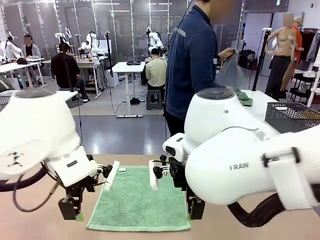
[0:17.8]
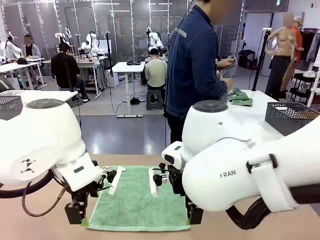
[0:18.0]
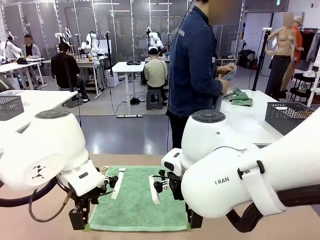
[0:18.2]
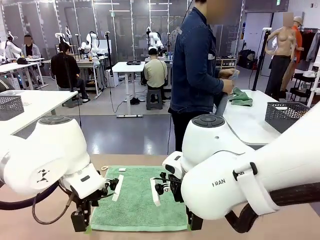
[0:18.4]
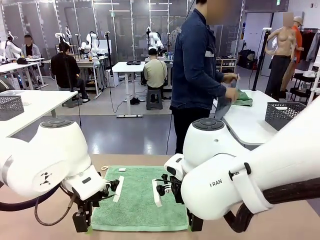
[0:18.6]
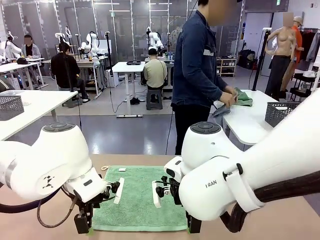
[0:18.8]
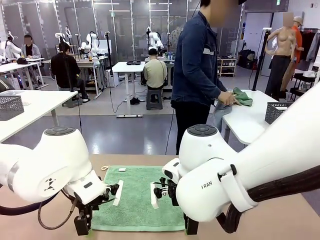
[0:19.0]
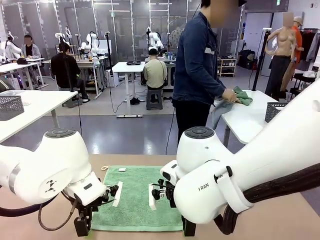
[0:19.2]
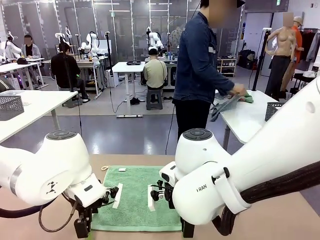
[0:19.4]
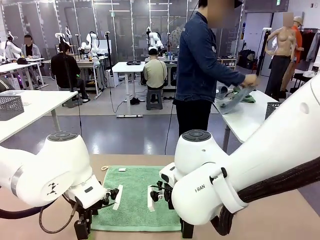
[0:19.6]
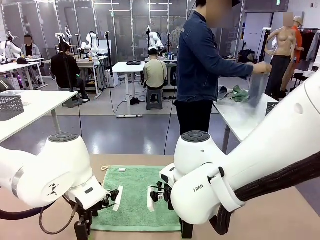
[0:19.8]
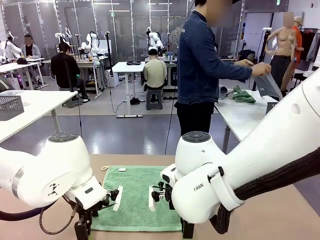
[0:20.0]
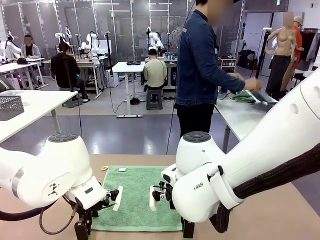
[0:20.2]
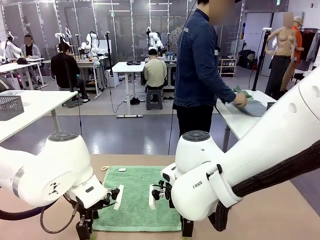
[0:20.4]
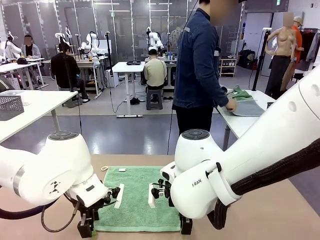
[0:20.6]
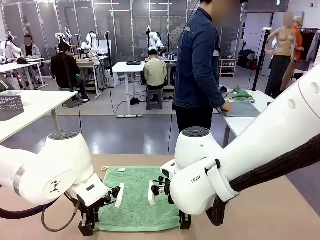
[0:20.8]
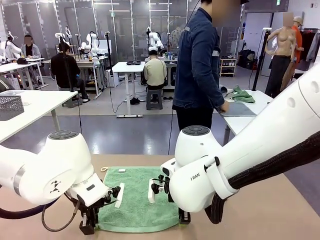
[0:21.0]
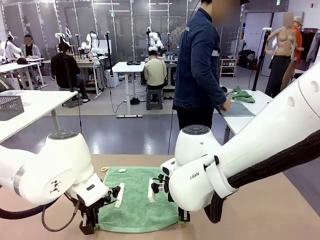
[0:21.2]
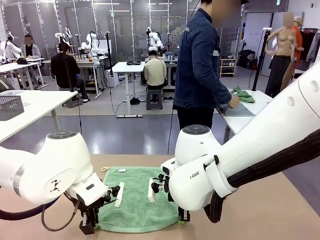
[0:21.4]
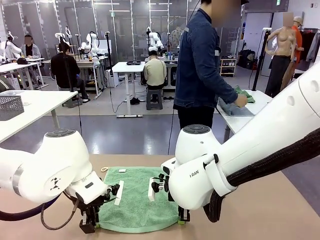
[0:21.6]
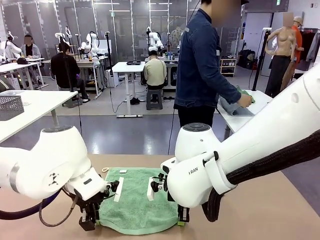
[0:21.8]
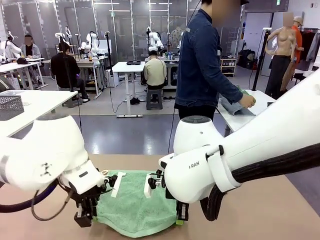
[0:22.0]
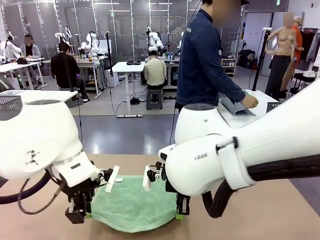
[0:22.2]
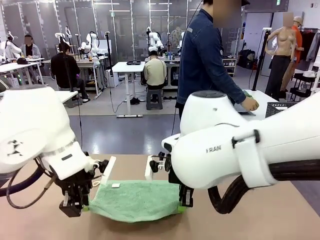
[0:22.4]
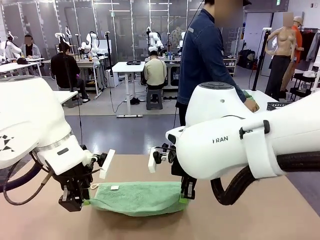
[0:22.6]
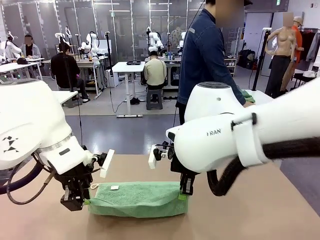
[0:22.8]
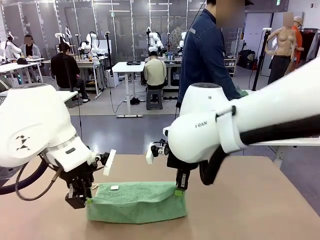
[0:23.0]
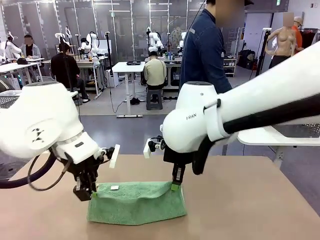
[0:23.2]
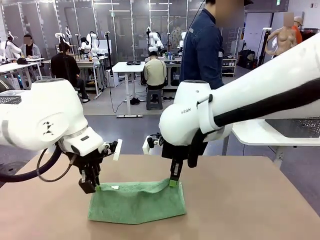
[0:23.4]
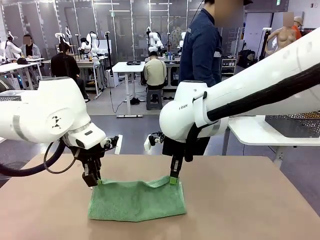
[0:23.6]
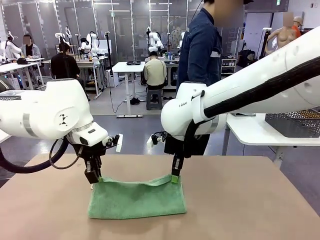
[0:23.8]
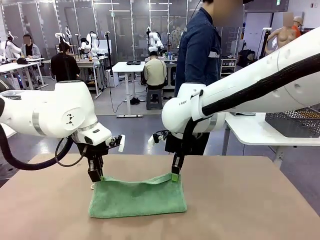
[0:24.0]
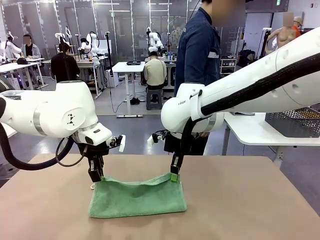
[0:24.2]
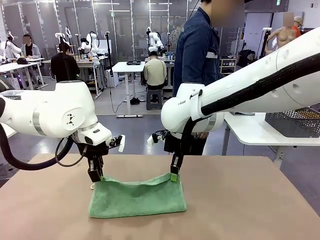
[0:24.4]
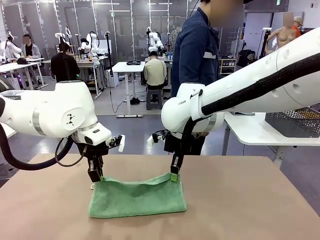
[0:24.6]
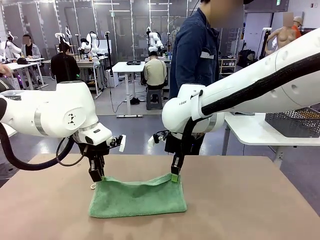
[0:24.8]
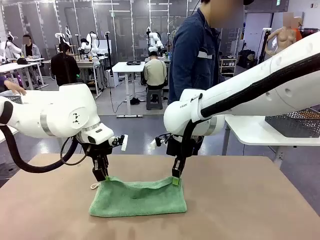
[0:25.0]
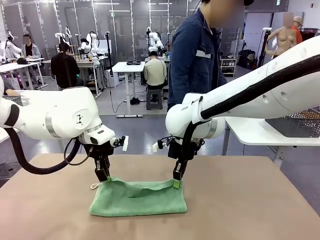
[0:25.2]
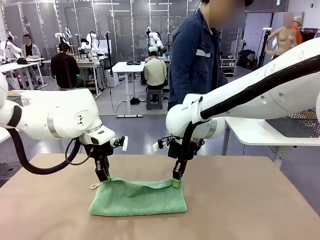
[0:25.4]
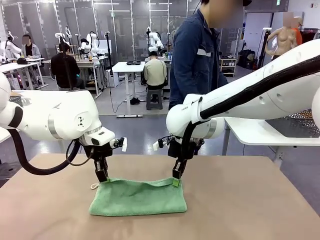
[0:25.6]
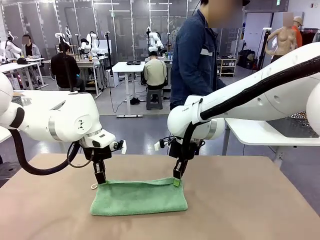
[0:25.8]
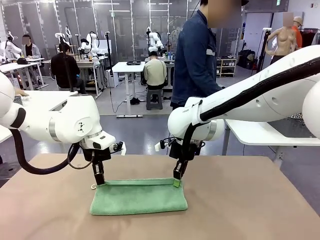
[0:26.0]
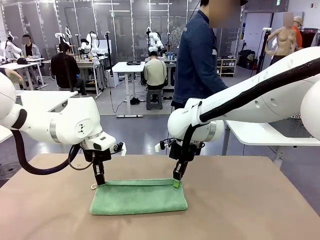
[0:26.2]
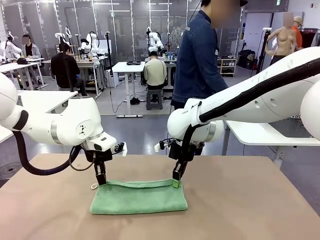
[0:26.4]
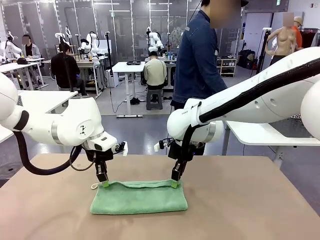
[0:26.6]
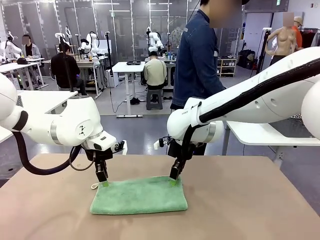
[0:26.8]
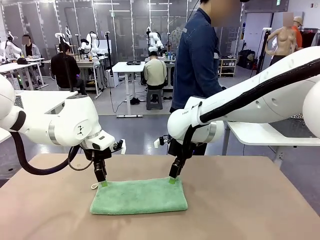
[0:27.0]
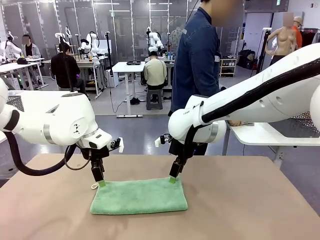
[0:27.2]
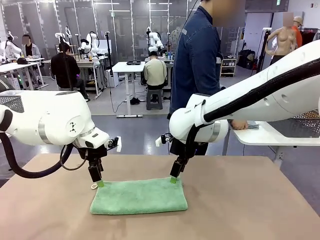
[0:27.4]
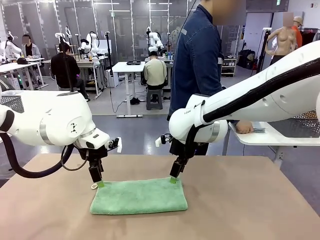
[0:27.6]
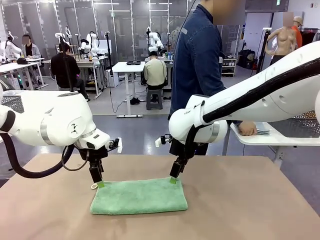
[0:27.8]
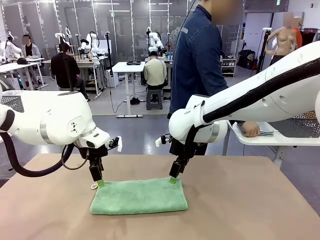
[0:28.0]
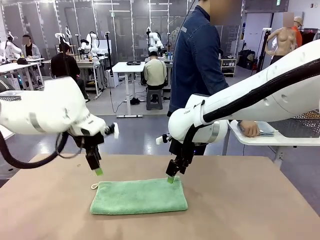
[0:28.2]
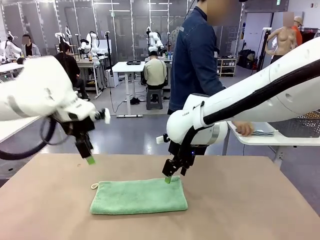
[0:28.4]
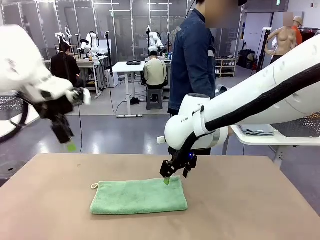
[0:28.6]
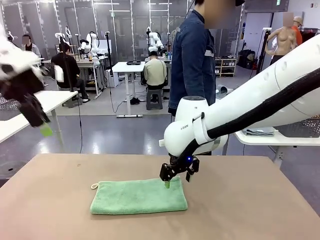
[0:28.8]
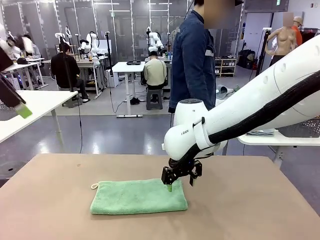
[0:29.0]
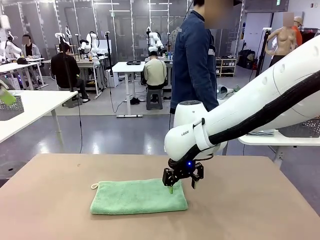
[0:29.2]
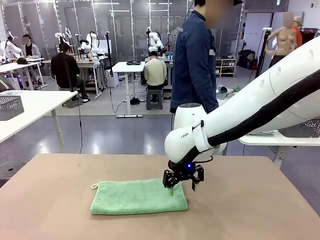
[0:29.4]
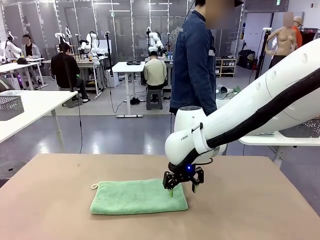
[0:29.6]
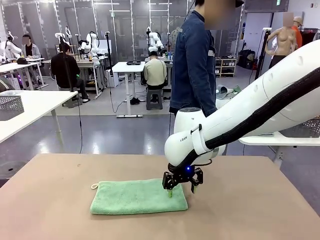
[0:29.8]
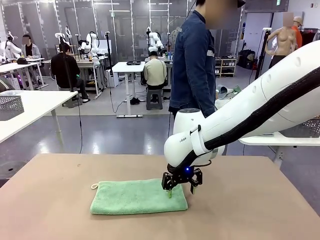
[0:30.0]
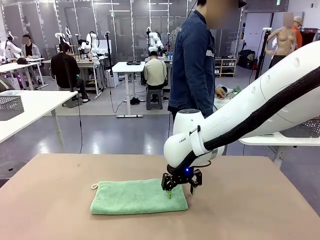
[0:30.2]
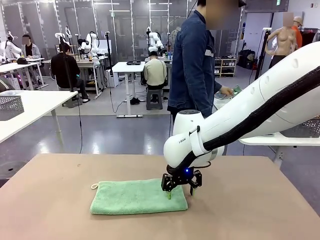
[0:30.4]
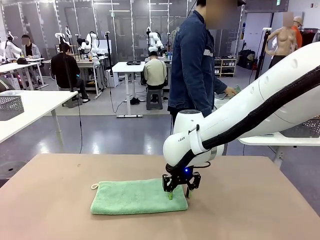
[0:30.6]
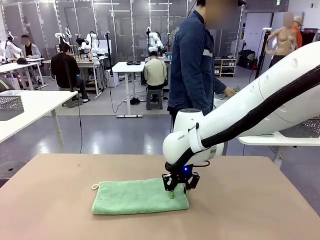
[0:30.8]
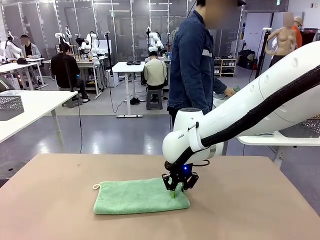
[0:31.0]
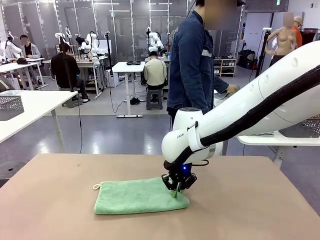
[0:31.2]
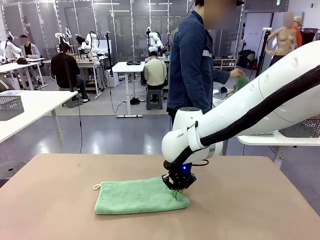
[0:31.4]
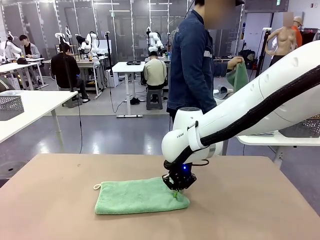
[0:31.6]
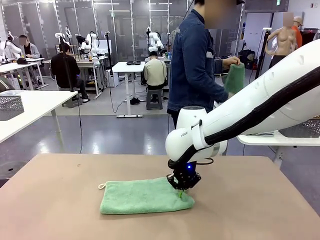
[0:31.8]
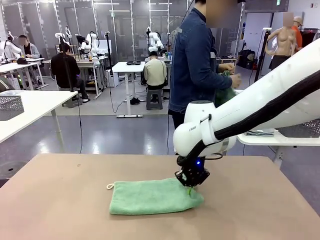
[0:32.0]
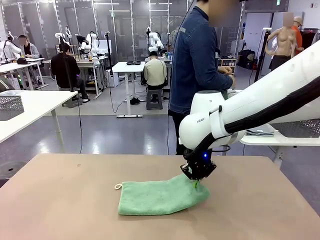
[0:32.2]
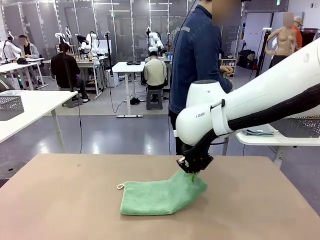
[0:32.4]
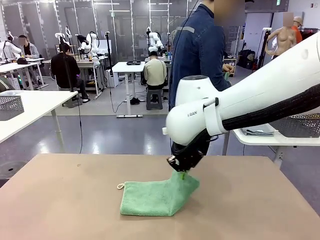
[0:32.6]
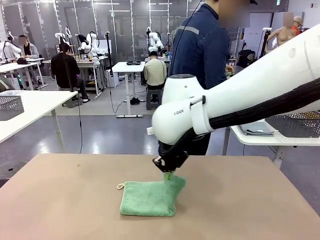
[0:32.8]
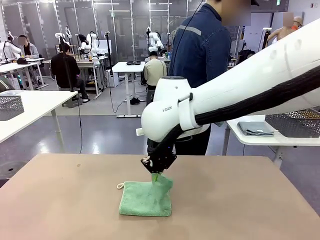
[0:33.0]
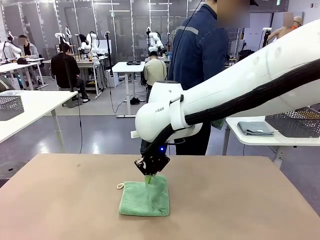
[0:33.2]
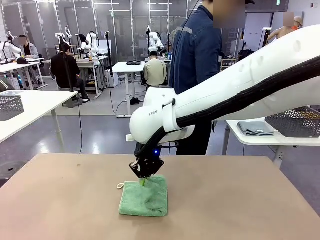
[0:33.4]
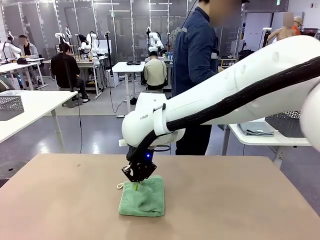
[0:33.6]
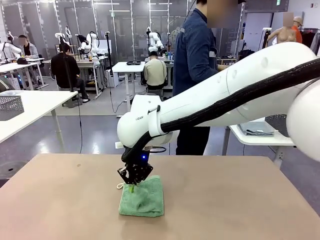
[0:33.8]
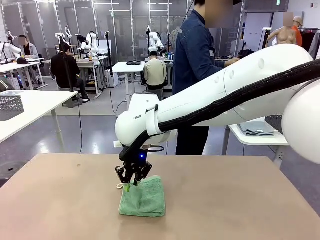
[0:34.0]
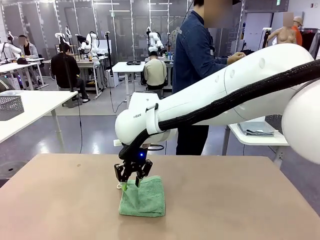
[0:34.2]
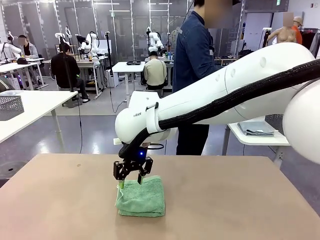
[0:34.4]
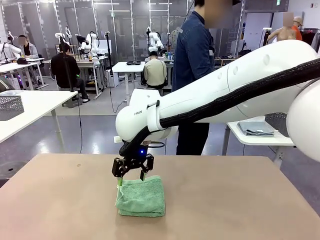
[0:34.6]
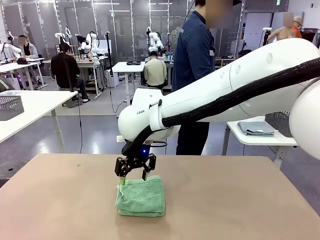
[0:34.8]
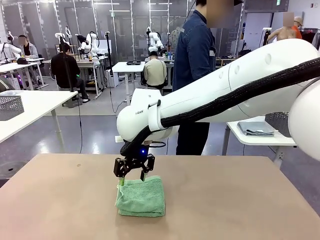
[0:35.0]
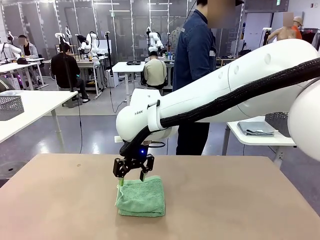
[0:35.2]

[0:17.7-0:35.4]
Task: Fold the towels and place them in the basket.
Robot: When a person lays out a Towel with hook on the table, fold it in half twice.
Person: Pick up one towel from the left side of the human table, fold it in half twice, and place it on the right side of the table.
